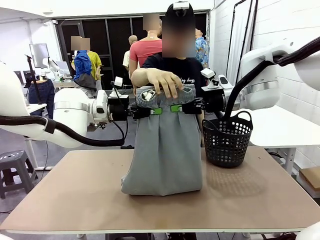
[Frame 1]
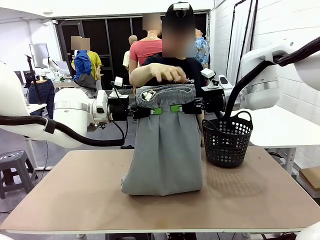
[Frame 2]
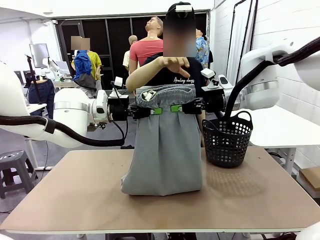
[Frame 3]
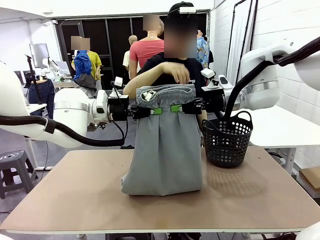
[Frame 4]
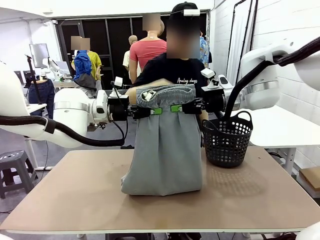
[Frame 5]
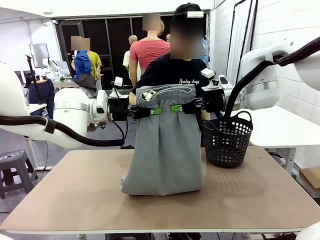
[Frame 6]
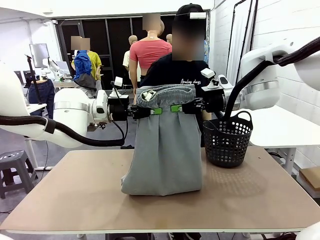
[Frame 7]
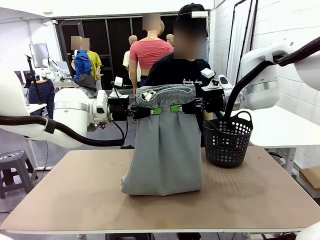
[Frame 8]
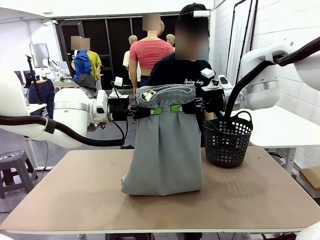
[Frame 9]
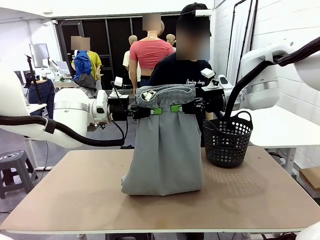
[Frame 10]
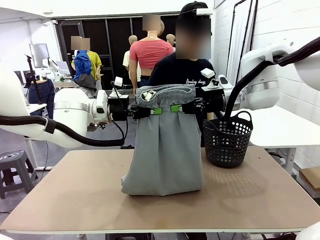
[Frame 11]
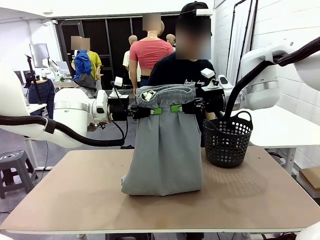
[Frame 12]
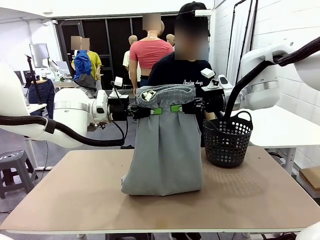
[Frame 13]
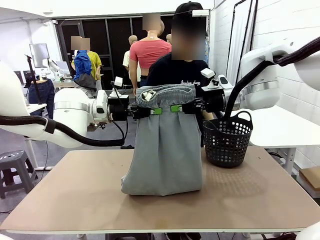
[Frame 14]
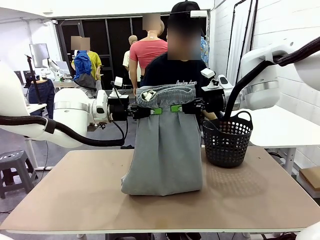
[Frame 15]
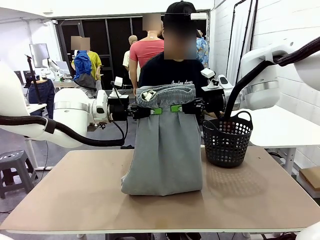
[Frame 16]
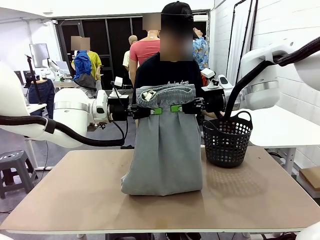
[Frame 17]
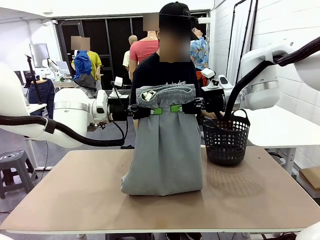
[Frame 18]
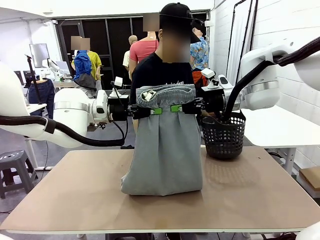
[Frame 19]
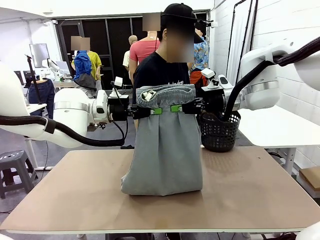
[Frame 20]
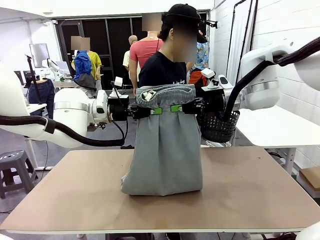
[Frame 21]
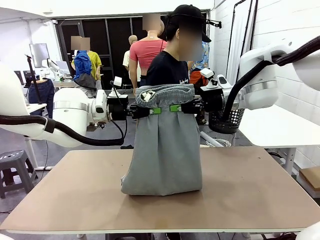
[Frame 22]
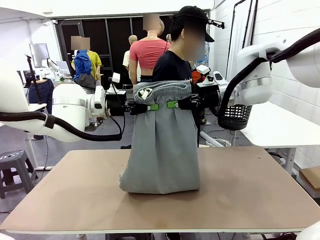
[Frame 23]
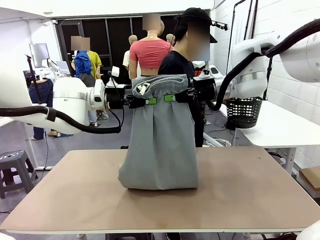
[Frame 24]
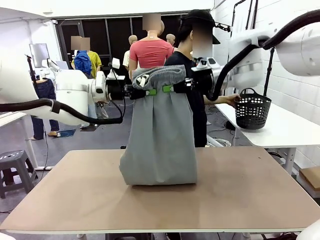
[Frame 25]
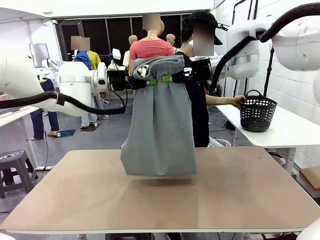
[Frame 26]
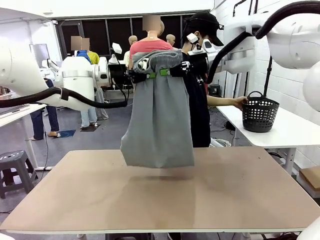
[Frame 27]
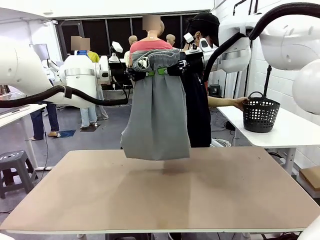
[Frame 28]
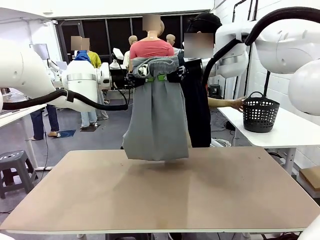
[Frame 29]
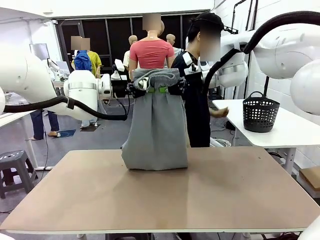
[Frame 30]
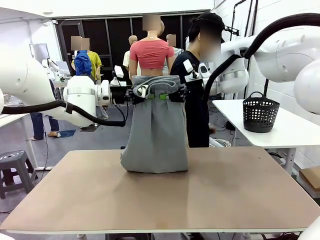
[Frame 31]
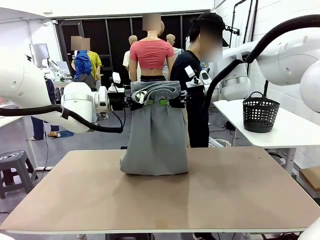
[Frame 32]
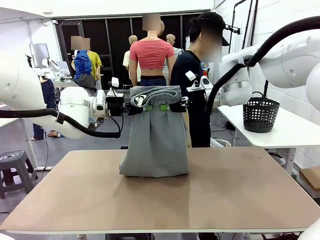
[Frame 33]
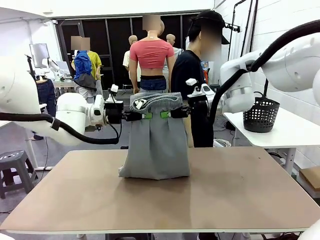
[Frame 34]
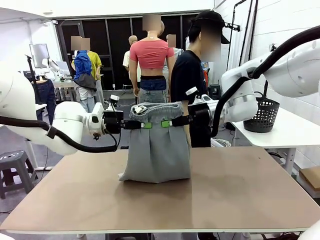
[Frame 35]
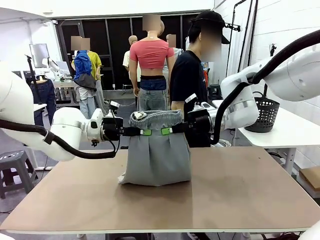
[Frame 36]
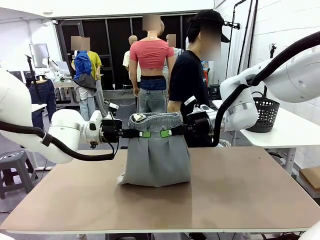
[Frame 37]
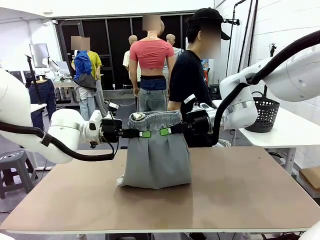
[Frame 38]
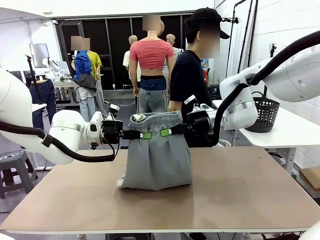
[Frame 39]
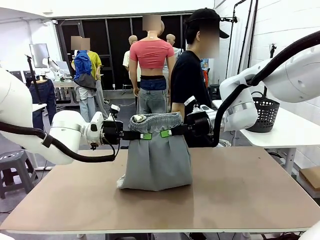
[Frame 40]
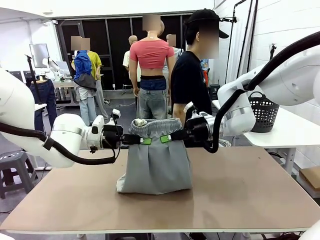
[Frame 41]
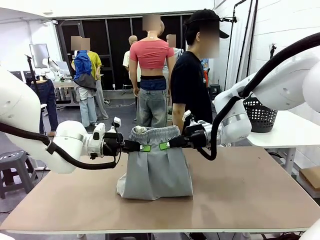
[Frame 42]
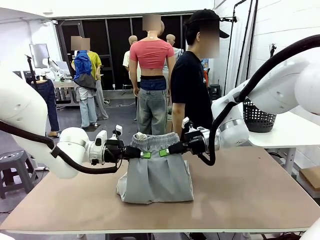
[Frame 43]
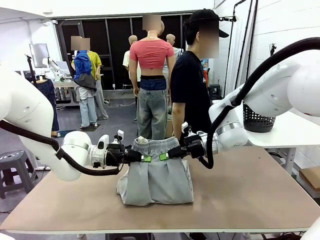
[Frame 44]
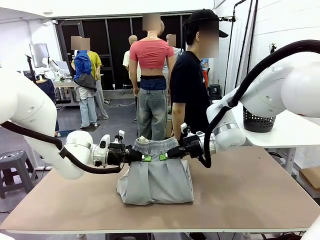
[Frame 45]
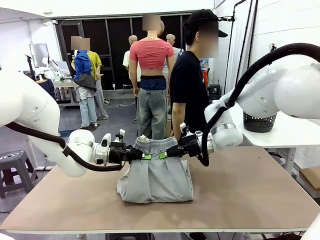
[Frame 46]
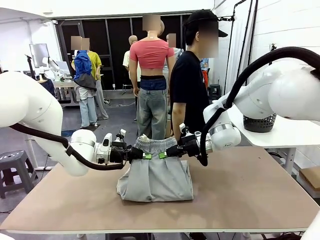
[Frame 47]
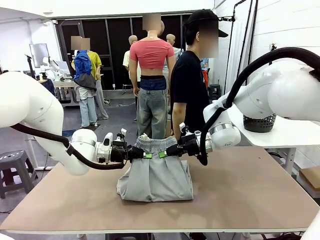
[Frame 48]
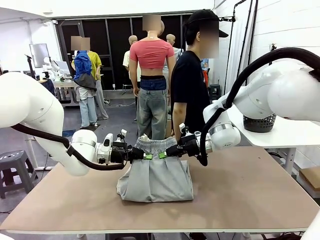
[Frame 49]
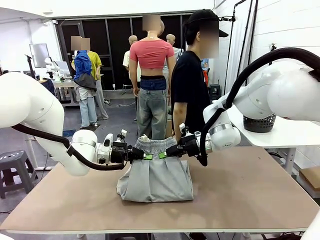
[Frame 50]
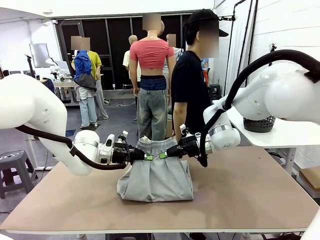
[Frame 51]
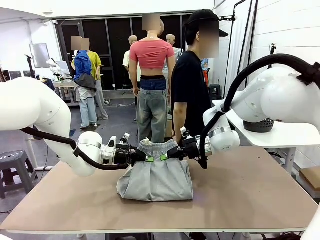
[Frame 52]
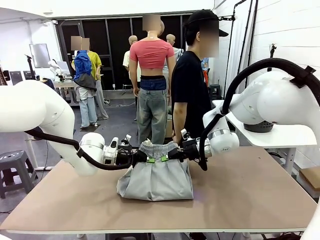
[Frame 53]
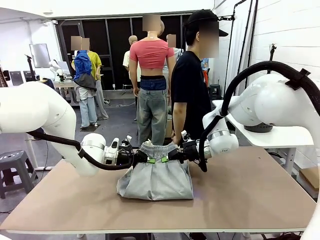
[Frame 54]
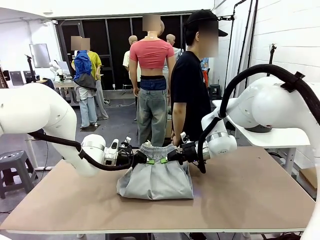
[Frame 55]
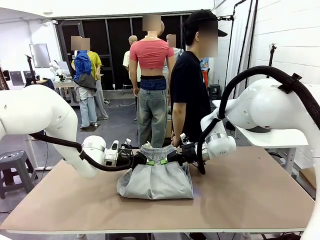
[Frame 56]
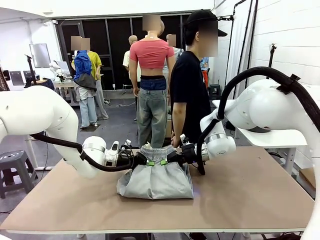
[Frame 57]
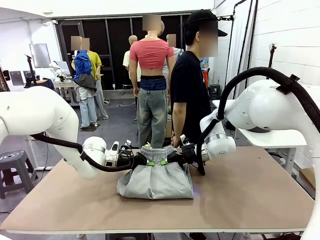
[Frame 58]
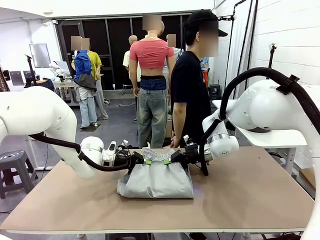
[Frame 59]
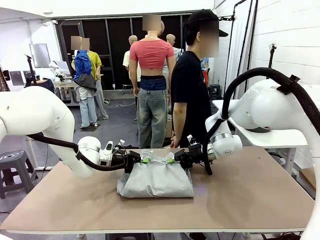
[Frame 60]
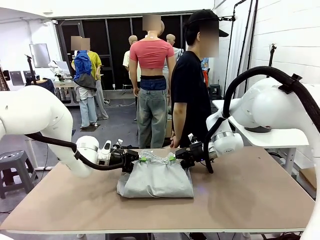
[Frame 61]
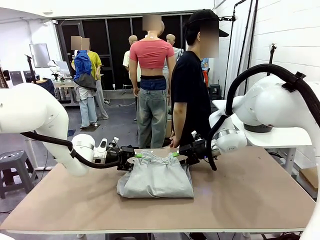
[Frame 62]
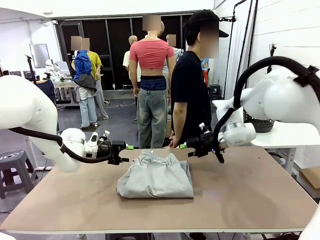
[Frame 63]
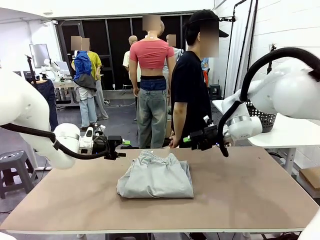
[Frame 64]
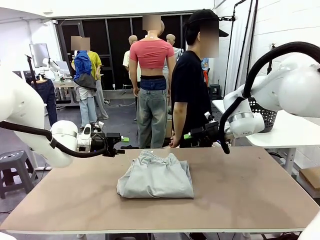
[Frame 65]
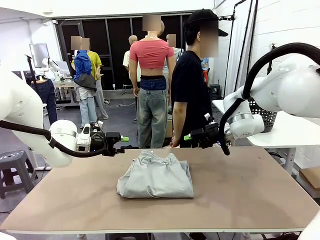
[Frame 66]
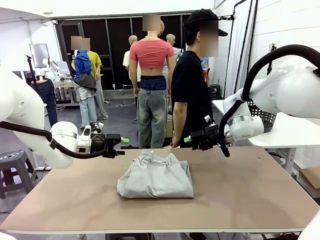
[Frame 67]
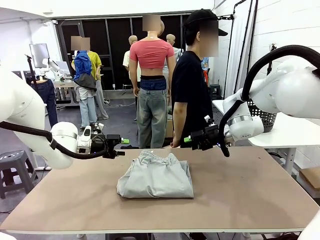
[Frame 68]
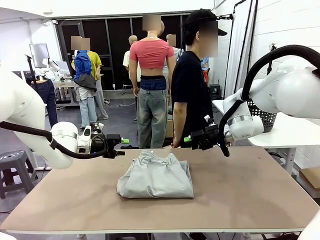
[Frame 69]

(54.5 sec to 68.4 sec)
Task: Fold the training pants.
Robot: Fold the Training pants in half.
Person: Move the laundry basket to the right of the human table.
